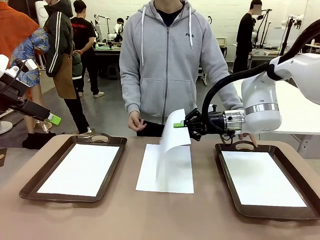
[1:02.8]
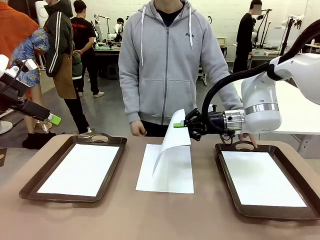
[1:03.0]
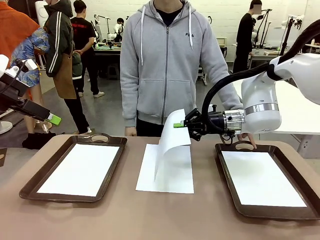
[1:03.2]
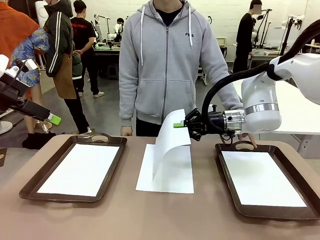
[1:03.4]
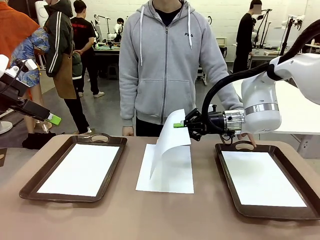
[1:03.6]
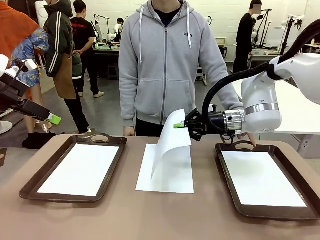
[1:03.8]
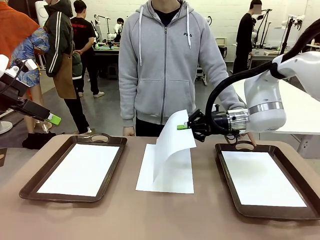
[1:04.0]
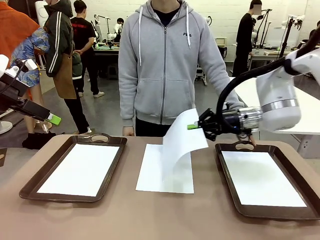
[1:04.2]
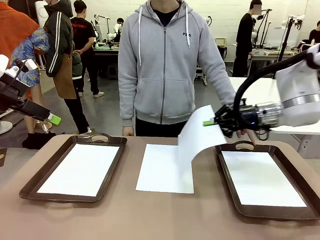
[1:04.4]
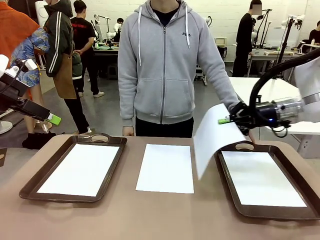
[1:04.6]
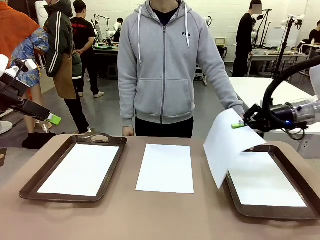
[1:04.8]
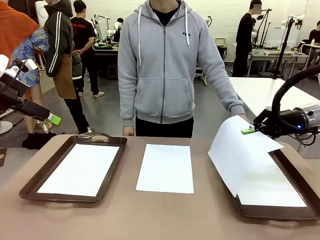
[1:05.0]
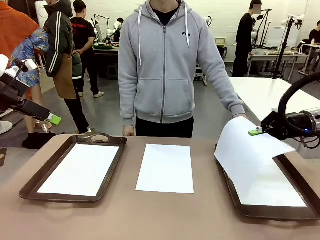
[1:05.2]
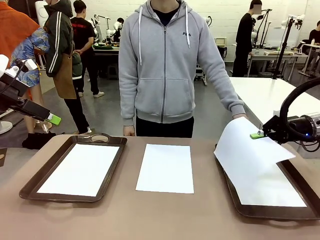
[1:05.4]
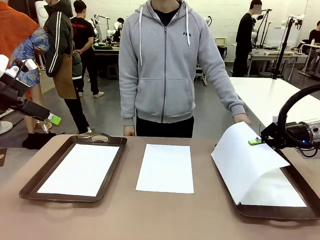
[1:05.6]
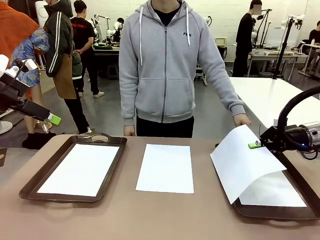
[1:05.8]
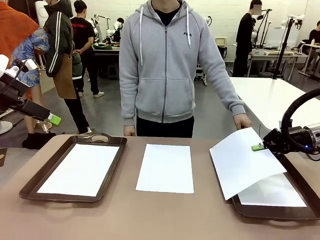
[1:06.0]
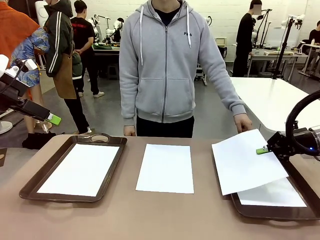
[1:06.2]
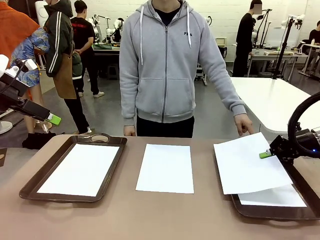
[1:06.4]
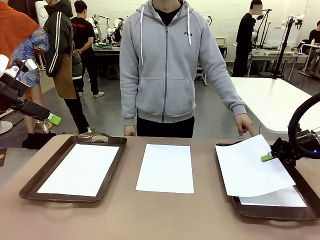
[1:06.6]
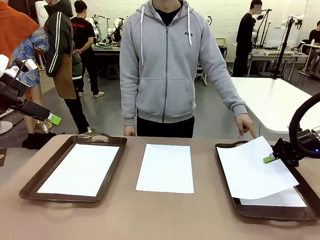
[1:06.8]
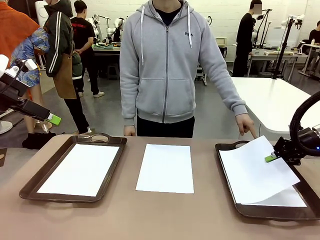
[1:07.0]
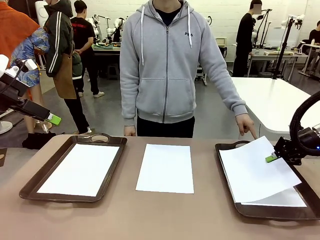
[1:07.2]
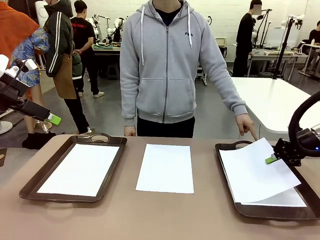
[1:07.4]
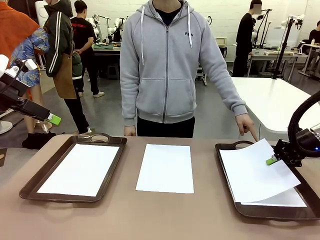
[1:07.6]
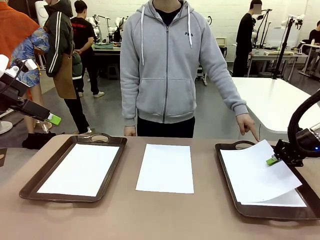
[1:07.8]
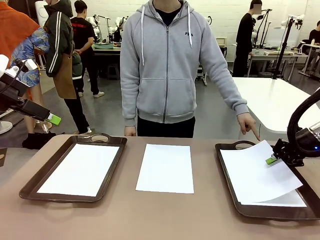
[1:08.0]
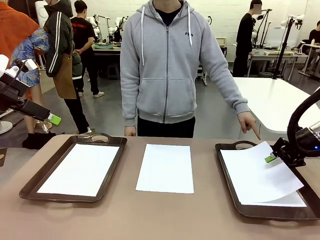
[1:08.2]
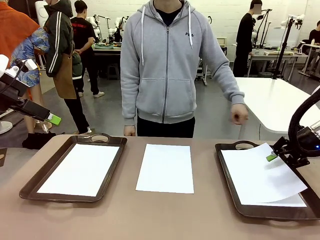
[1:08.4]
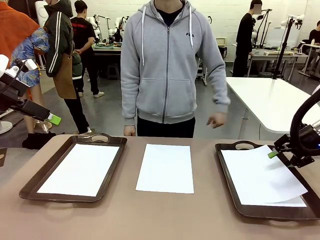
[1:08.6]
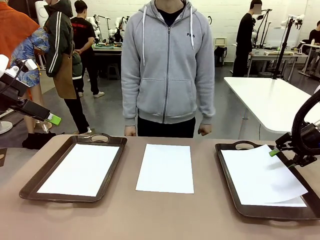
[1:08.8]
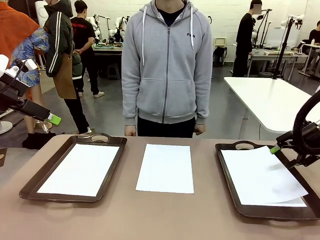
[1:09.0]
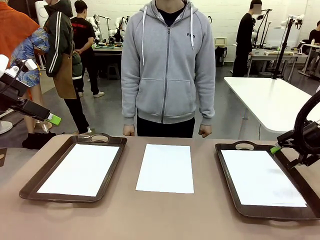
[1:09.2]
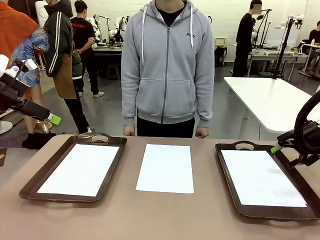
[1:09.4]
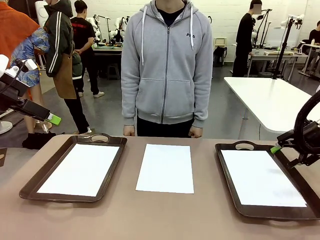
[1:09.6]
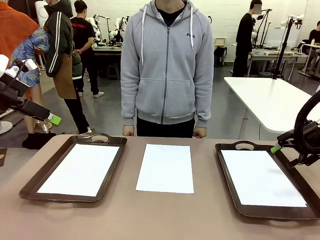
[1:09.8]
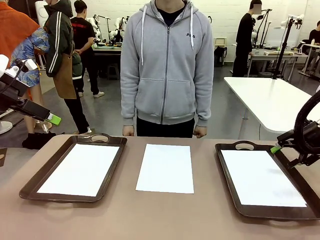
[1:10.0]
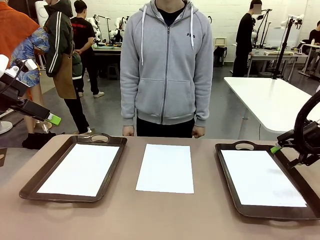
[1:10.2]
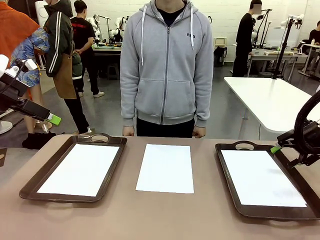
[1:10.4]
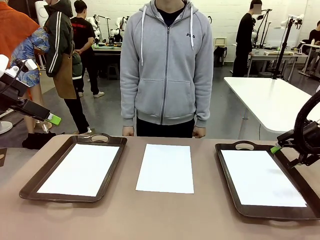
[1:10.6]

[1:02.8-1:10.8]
Task: Sort the A4 documents.
Robot: Place the A4 Paper in the designated Handle tray.

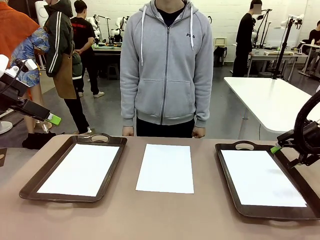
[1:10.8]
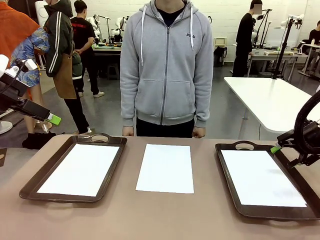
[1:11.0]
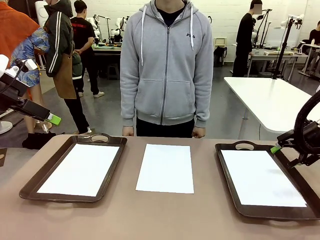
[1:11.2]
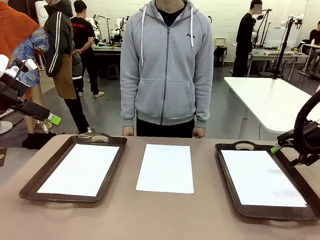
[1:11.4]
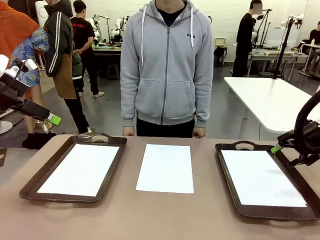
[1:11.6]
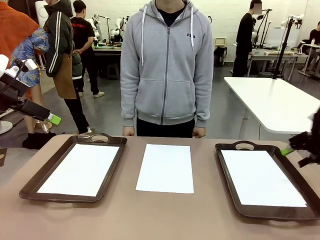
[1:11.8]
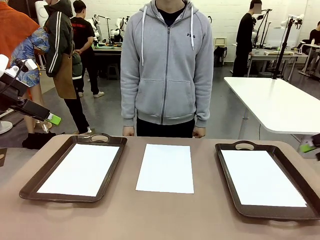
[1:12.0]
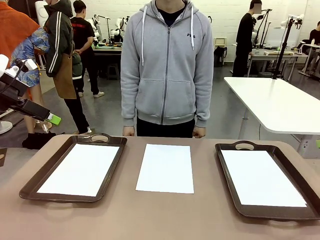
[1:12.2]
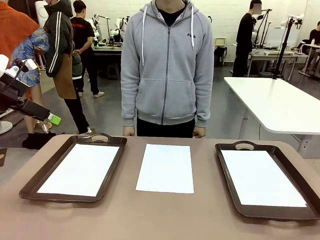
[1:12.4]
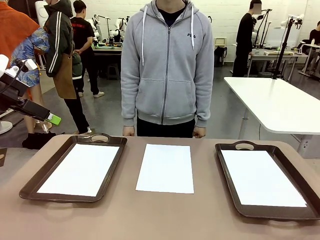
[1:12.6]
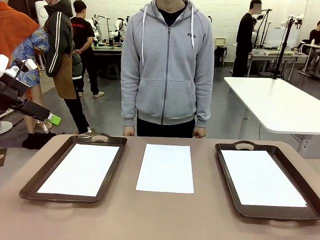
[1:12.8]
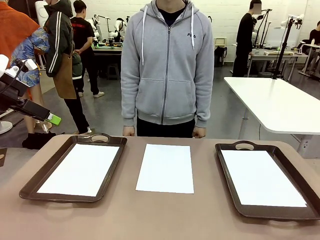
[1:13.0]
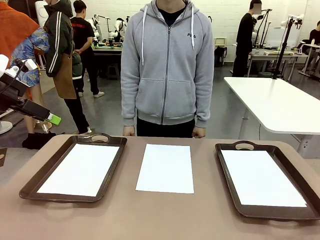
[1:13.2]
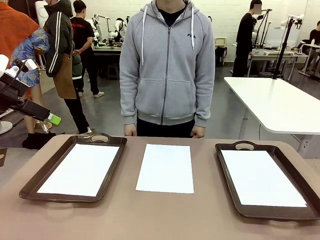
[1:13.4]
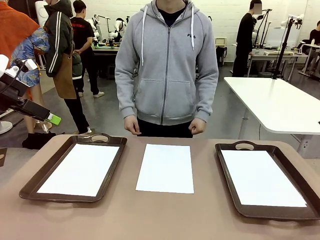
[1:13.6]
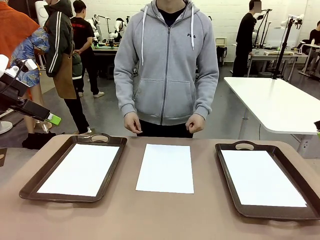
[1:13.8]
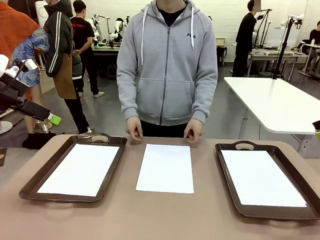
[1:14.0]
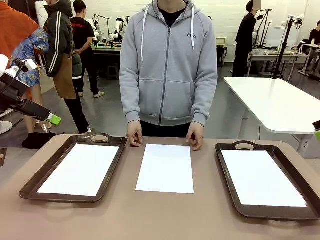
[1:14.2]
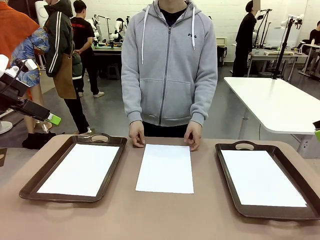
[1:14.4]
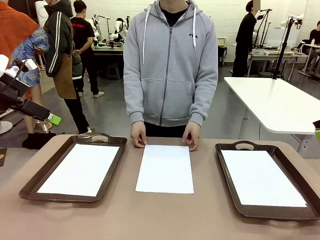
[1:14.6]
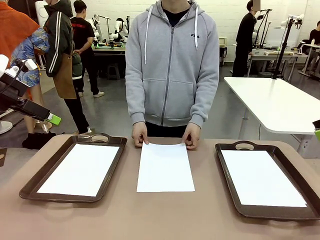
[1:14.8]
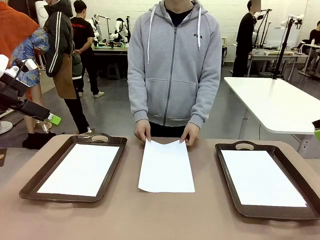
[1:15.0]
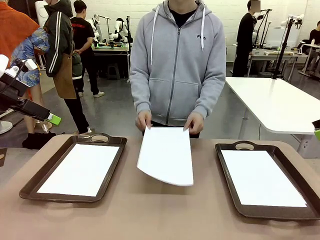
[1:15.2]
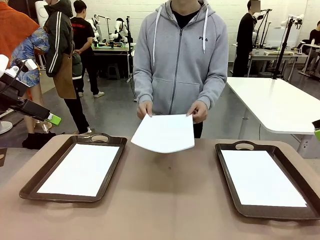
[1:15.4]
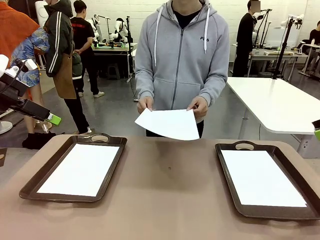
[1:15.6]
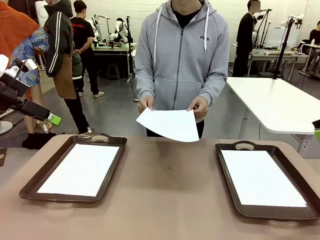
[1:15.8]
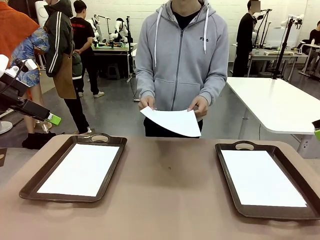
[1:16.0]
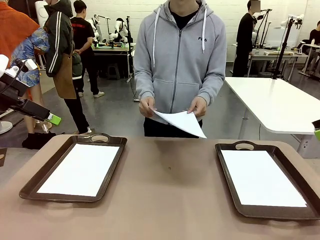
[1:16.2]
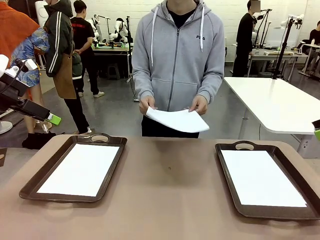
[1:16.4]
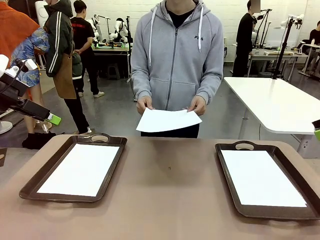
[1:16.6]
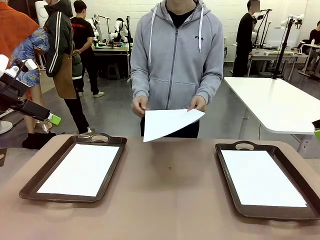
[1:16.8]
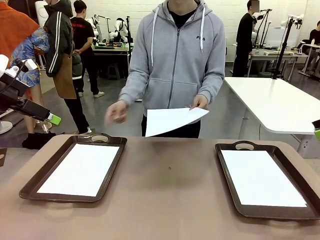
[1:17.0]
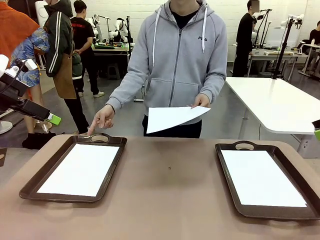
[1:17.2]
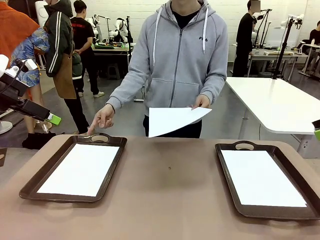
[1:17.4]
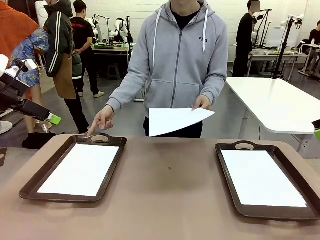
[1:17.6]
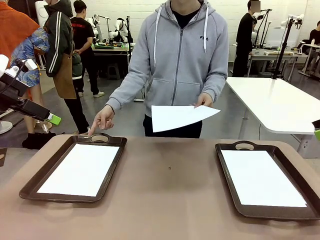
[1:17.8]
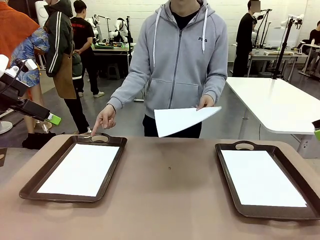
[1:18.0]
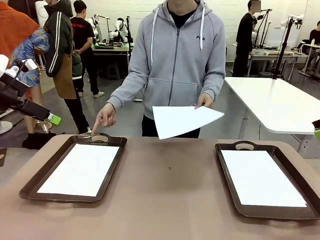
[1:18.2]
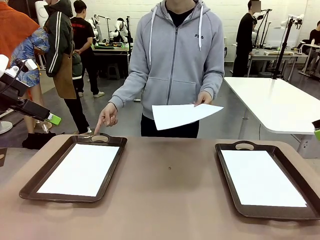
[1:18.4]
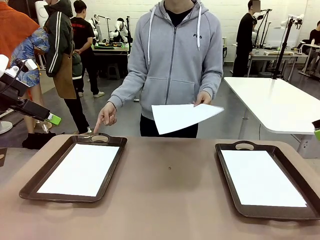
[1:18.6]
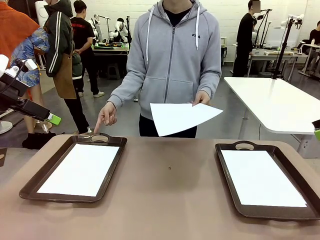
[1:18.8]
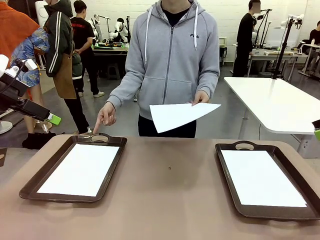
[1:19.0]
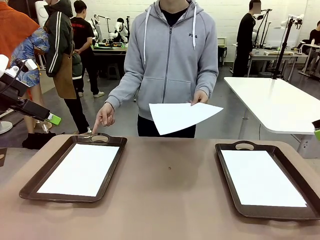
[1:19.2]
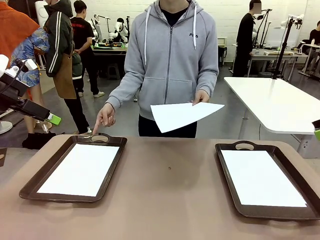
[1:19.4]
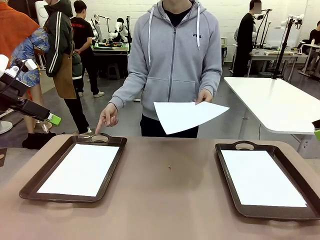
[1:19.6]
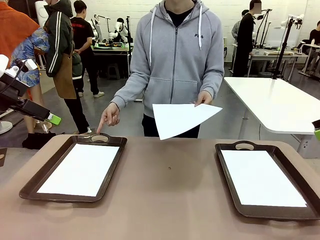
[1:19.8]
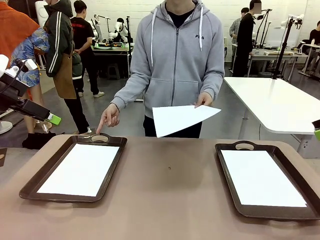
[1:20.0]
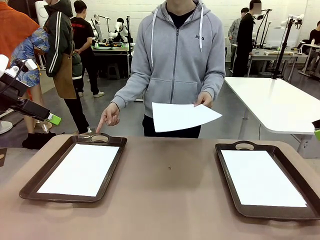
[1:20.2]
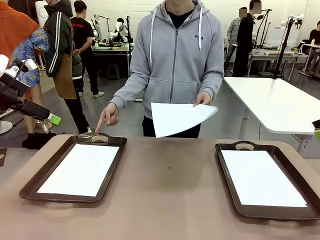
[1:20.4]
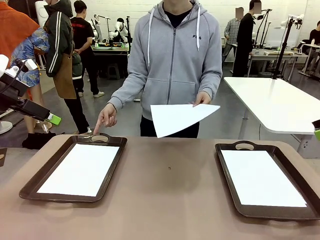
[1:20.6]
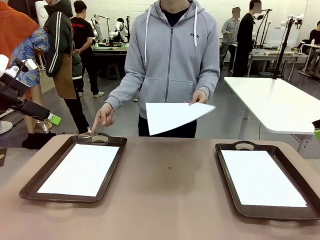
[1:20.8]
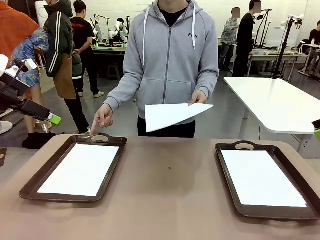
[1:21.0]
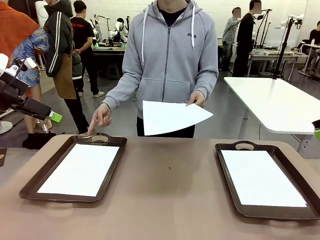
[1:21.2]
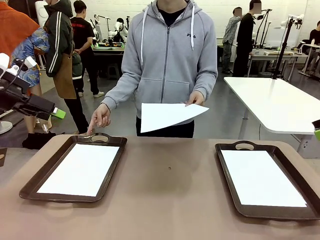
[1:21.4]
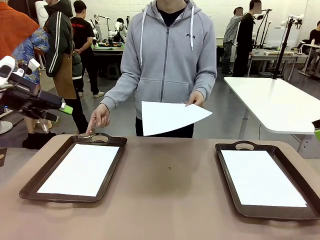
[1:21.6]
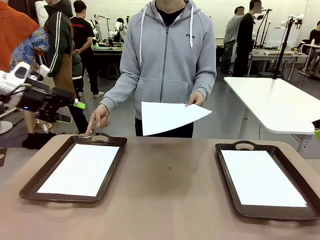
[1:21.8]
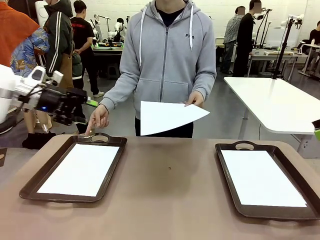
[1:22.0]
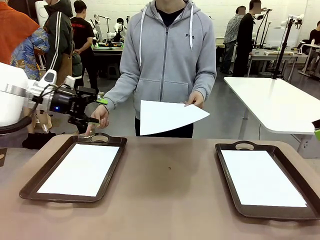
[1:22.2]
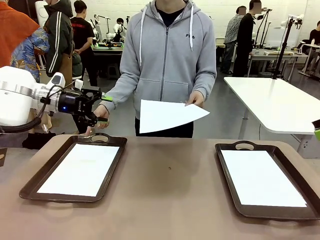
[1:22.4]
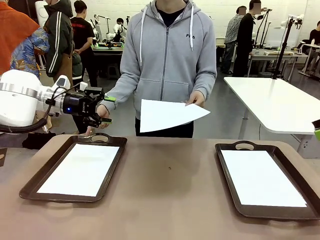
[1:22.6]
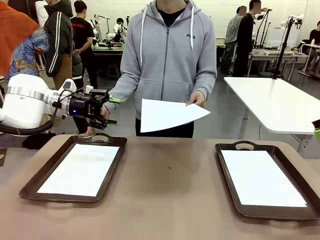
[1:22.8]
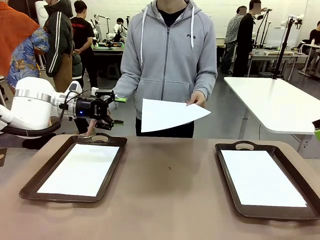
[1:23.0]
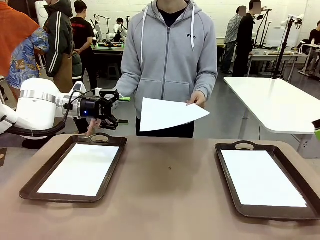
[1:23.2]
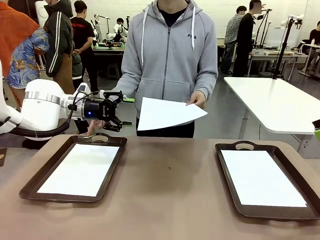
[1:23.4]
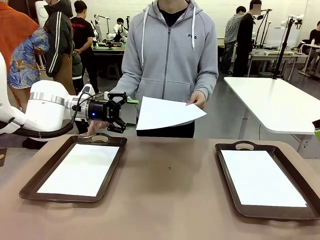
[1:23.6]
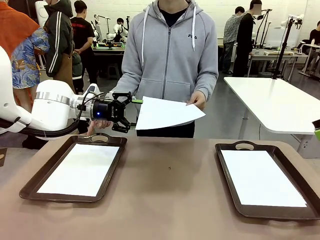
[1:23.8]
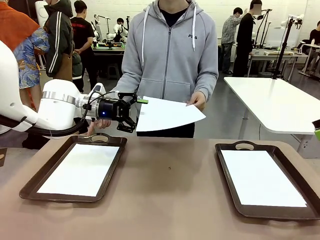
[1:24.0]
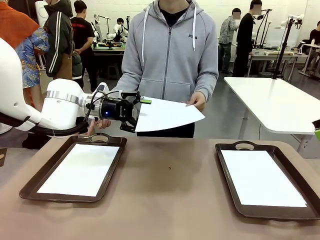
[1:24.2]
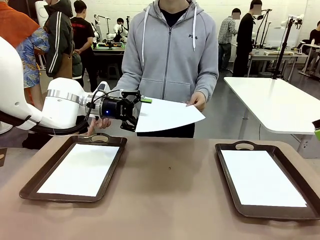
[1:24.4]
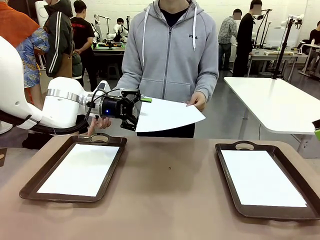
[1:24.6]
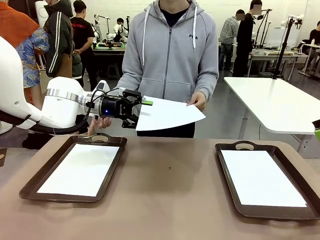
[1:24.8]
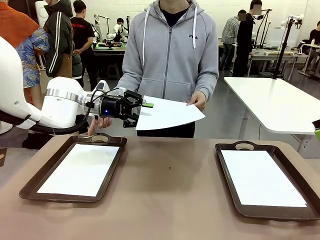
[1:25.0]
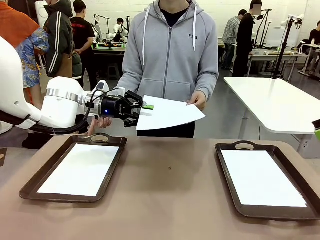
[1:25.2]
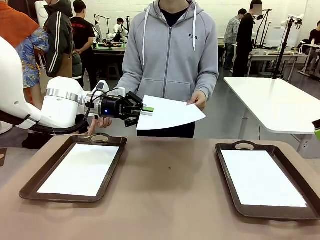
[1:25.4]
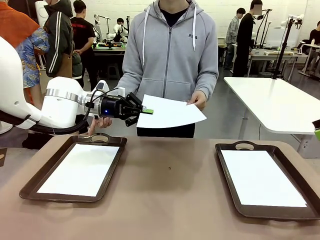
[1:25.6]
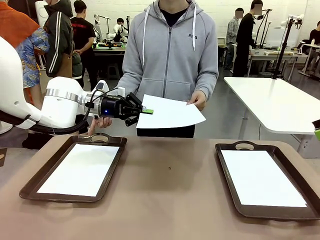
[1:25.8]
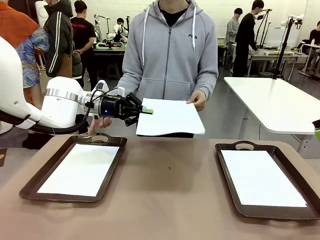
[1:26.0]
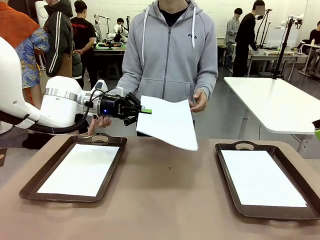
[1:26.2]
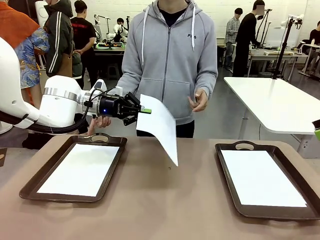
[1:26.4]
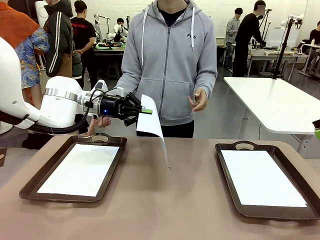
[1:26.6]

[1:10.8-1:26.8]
Robot: Receive the A4 Paper.
Person: Point the randomly selected tray with the other hand.
